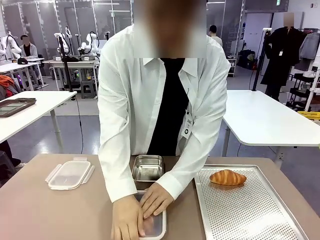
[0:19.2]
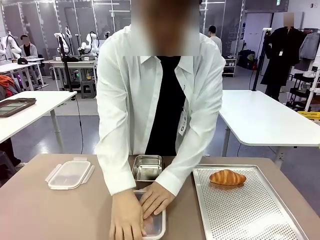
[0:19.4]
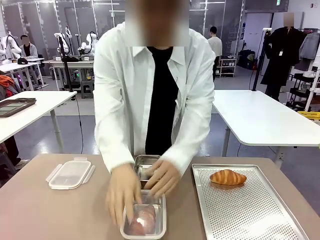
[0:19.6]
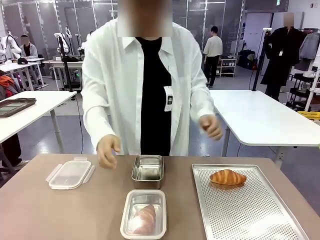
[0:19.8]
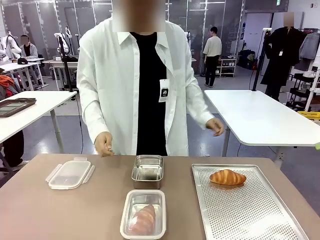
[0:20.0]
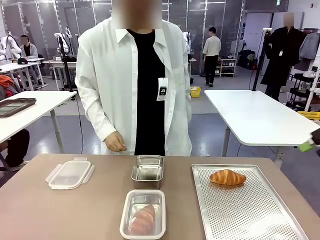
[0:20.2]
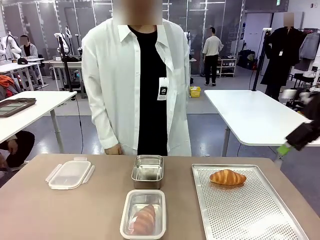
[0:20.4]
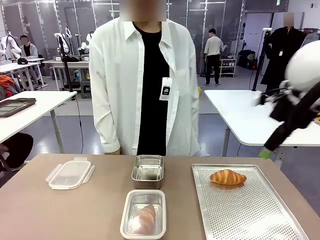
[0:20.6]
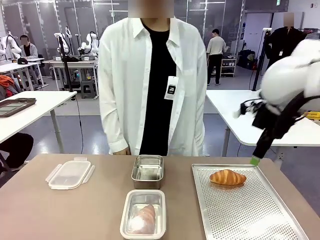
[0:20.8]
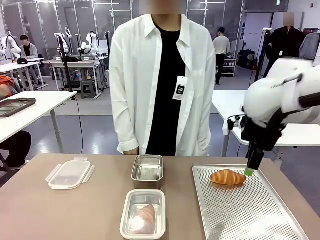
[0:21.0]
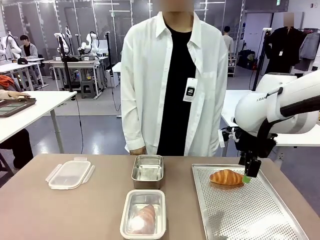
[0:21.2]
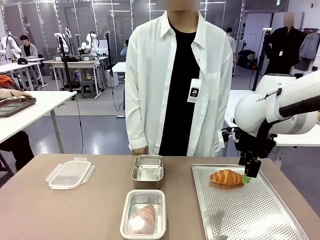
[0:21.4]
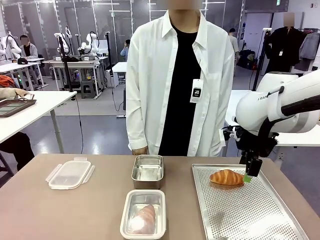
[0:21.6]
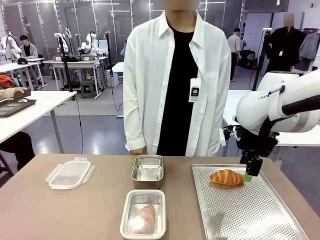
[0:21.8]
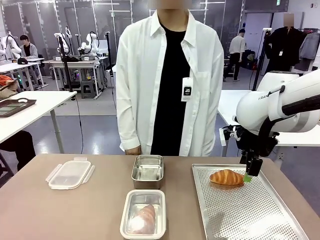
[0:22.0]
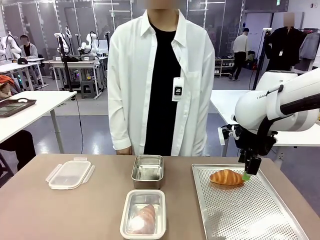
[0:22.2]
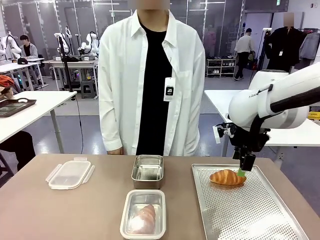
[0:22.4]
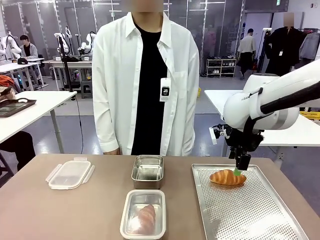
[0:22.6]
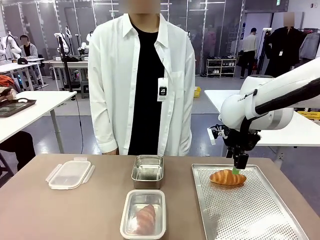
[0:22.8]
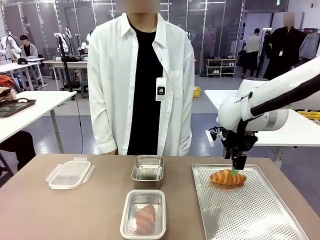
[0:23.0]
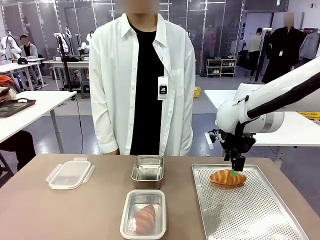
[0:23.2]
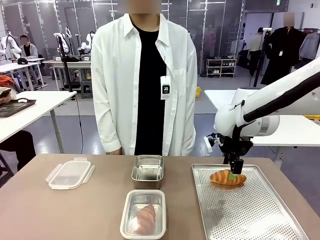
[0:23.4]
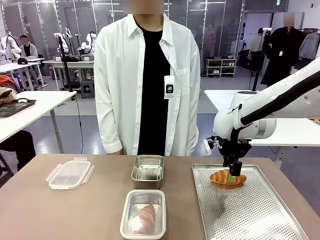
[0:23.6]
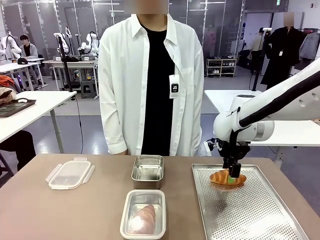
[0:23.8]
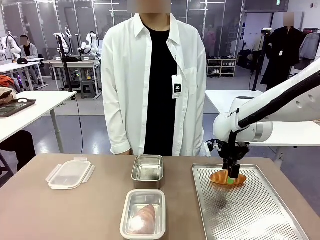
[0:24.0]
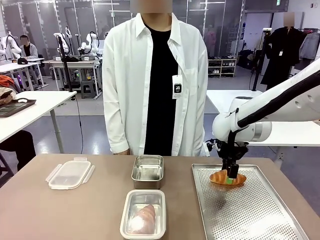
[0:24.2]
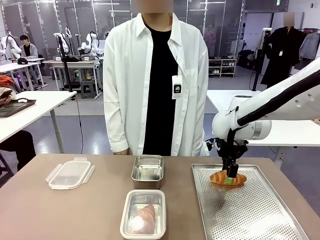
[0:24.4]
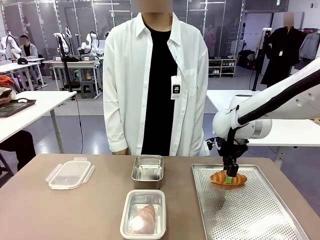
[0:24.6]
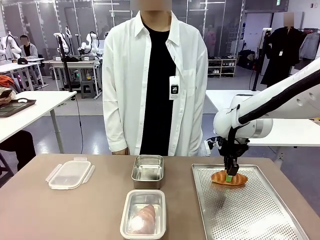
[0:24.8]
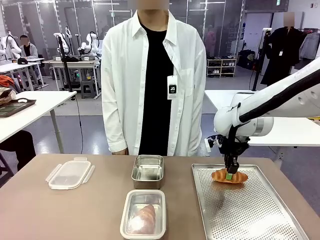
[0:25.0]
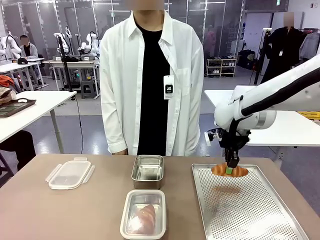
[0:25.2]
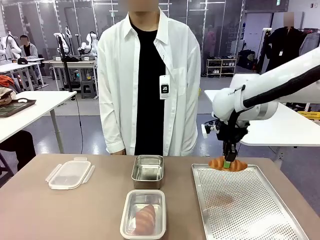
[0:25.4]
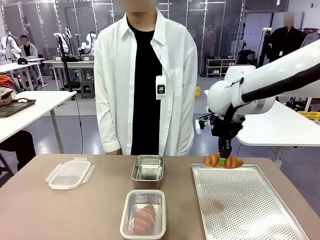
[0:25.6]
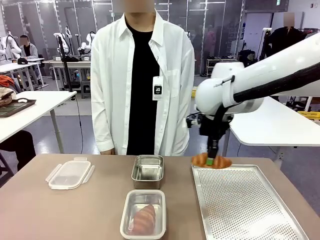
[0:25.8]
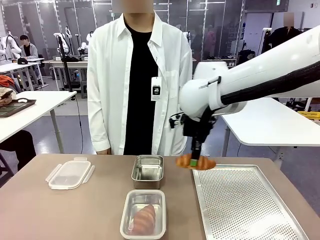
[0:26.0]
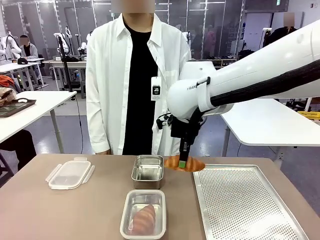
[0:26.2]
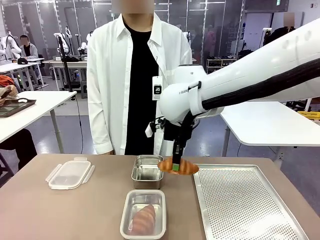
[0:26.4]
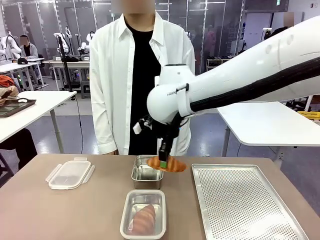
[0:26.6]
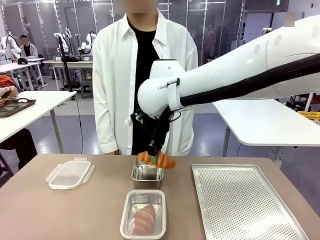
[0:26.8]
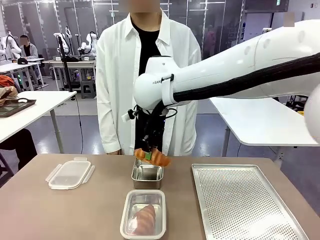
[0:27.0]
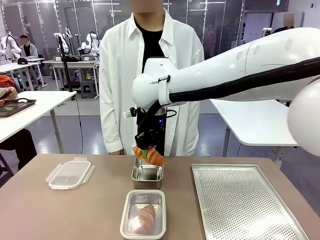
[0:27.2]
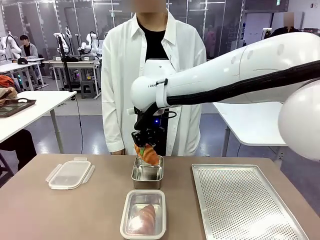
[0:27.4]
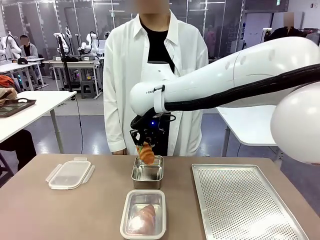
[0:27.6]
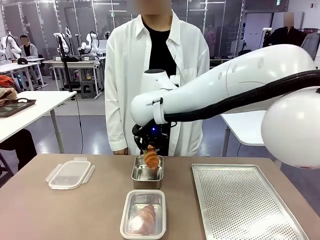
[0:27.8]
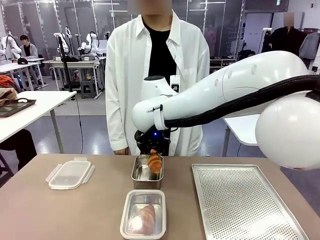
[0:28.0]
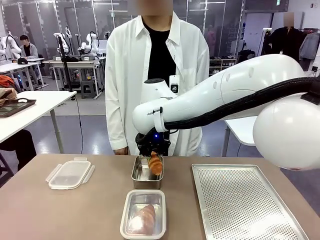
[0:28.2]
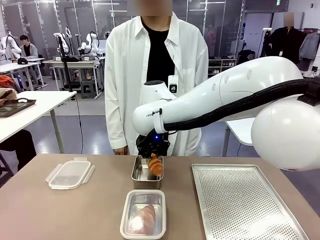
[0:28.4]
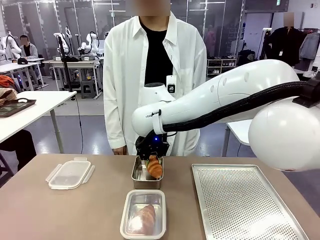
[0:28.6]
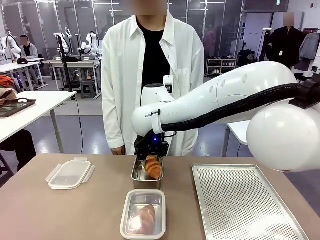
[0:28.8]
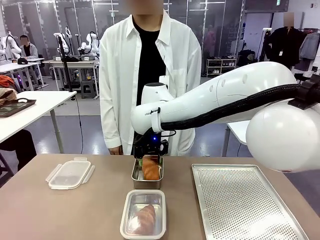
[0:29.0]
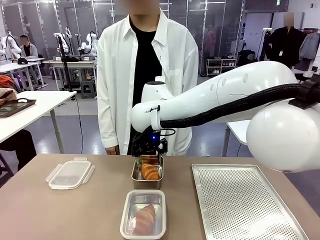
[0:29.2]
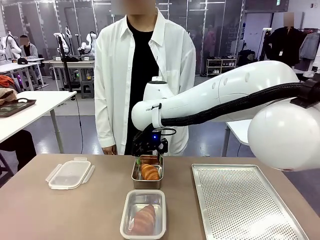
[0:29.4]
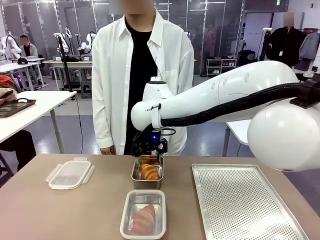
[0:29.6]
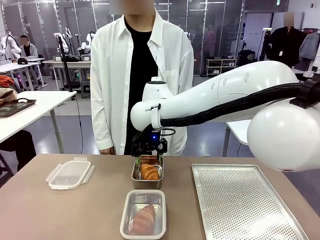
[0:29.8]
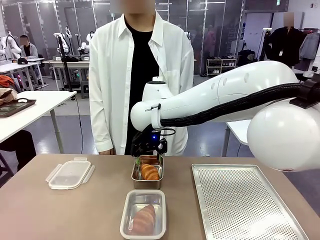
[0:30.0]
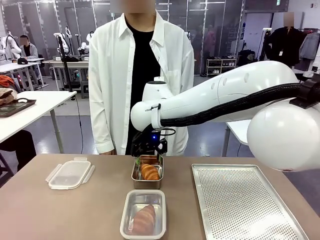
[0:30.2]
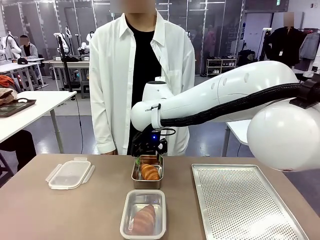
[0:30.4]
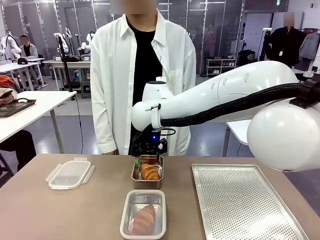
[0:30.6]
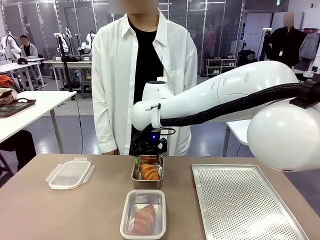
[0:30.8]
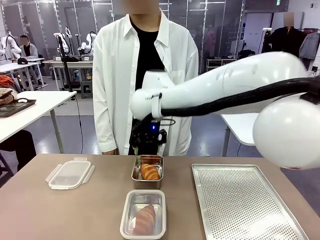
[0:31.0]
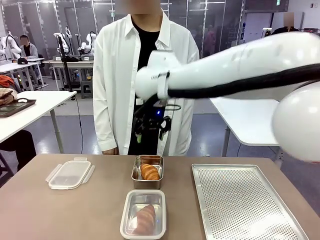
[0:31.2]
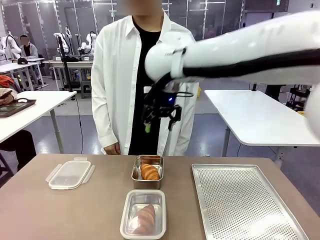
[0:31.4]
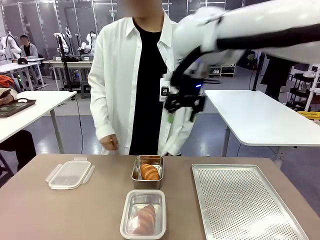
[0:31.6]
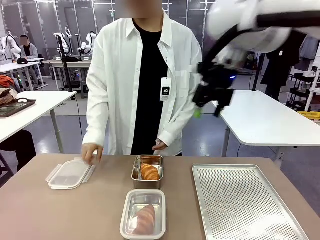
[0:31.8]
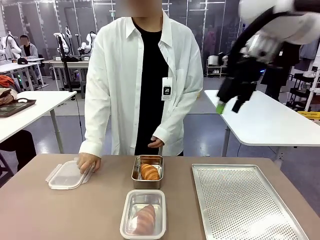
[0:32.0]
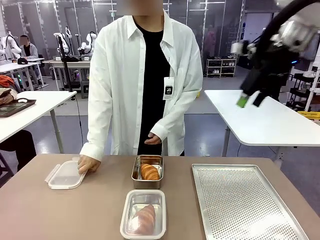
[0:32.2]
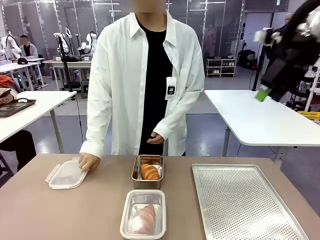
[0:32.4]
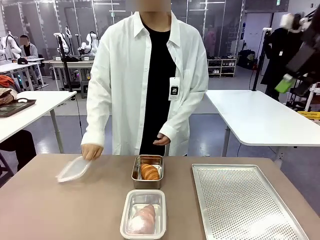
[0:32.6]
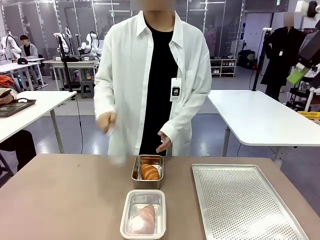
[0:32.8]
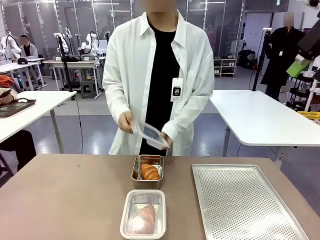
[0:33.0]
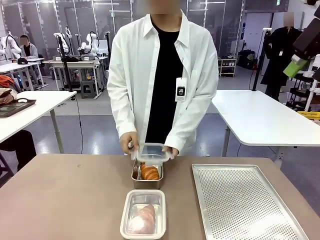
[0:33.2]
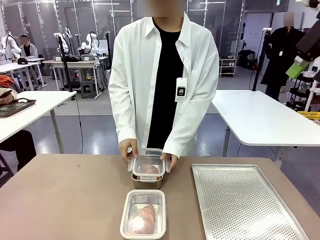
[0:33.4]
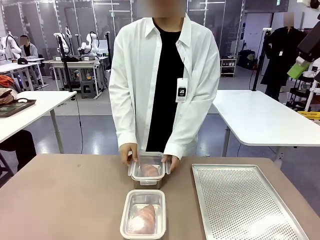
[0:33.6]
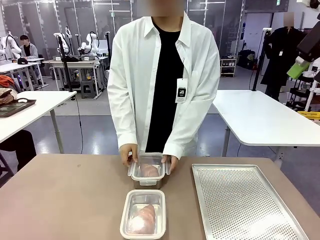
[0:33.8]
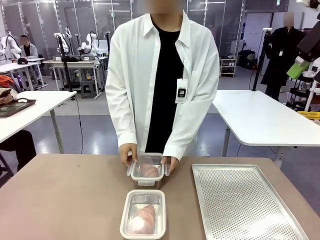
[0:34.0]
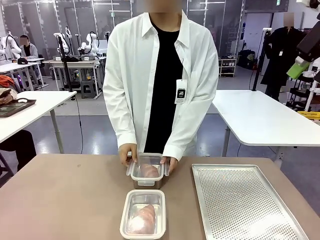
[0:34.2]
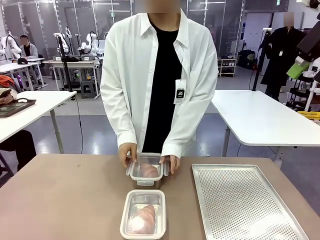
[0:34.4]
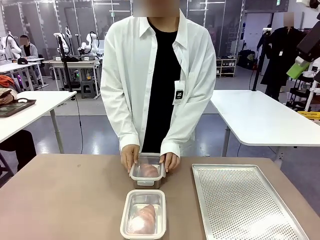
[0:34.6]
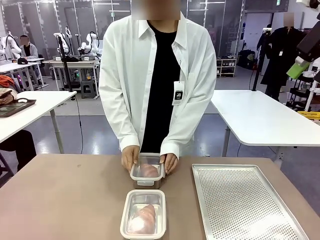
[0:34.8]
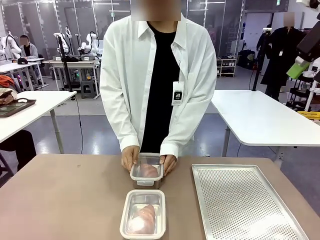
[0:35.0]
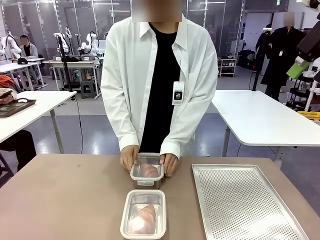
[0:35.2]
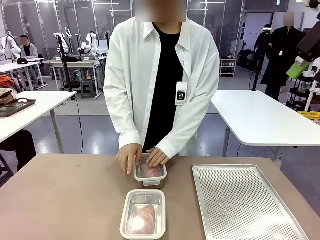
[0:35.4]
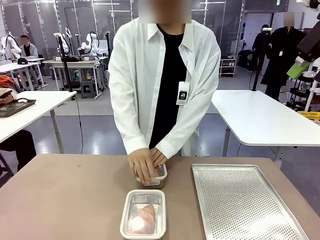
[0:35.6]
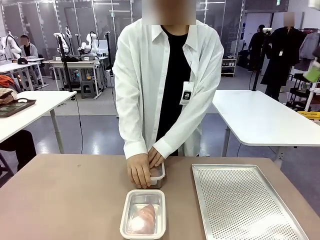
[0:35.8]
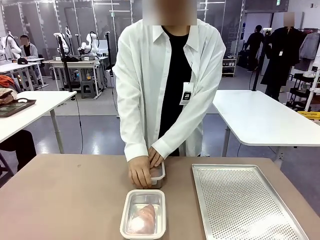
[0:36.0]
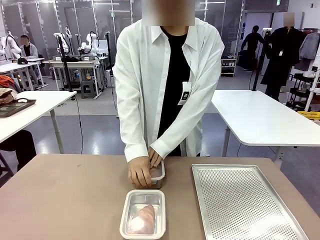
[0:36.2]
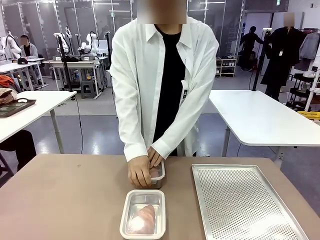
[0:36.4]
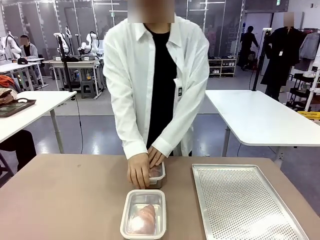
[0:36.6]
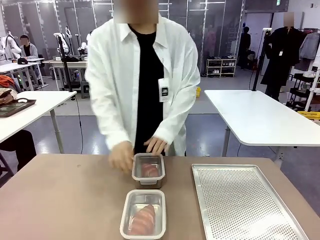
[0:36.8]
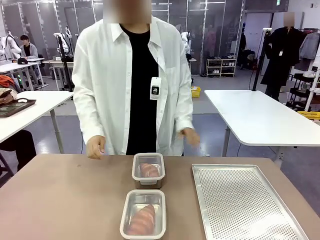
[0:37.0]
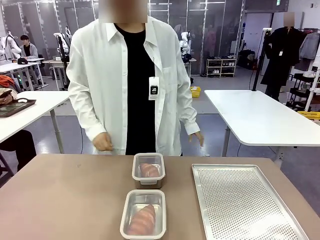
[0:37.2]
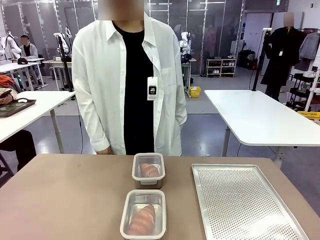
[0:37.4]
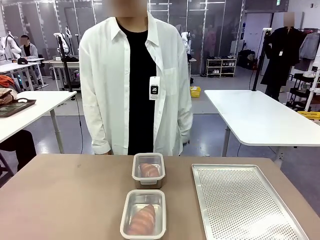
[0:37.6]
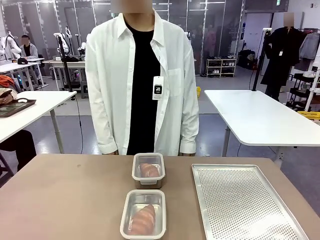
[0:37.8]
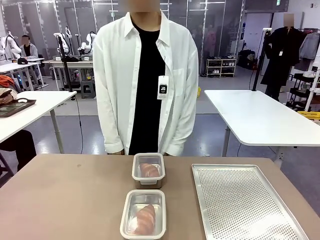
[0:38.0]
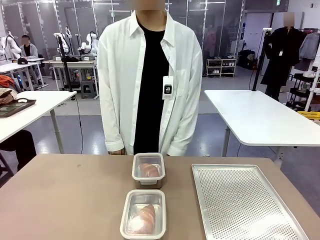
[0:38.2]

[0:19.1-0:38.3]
Task: Place the bread into the airtight container.
Robot: Pick up a Butter Roll and place it into an empty Airtight Container.
Person: Once a Butter Roll is inside an Airtight Container , close the lid of that Airtight Container.
